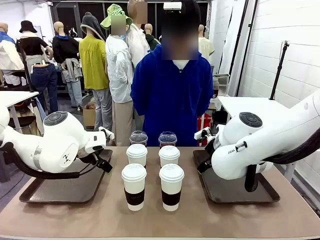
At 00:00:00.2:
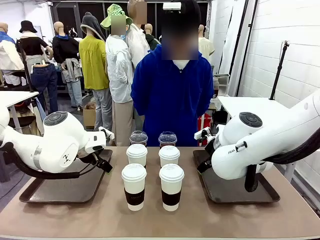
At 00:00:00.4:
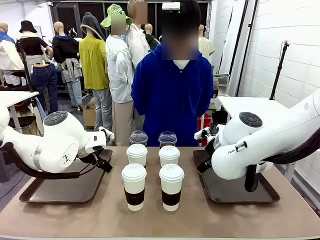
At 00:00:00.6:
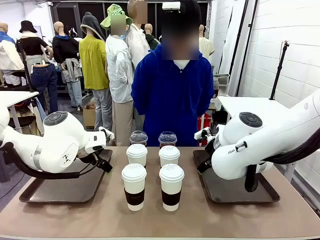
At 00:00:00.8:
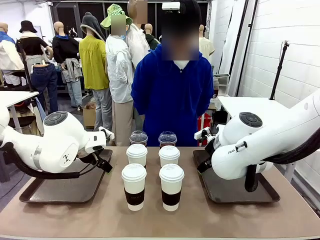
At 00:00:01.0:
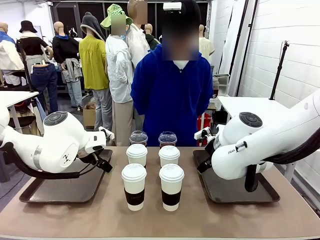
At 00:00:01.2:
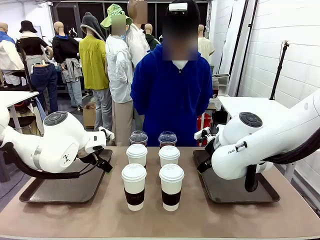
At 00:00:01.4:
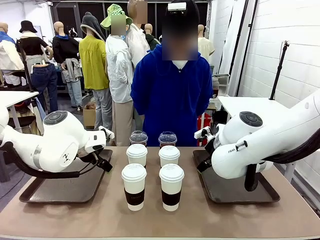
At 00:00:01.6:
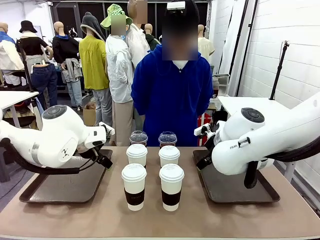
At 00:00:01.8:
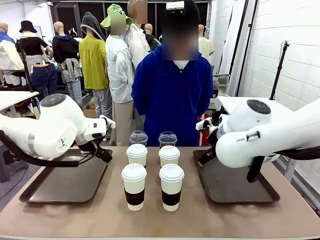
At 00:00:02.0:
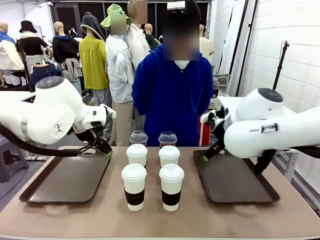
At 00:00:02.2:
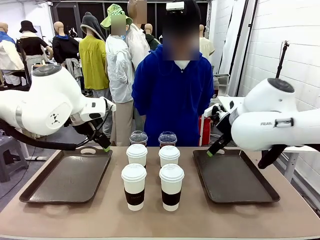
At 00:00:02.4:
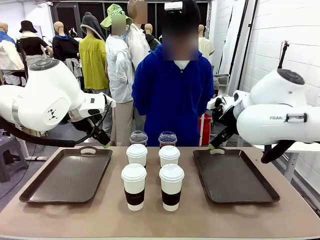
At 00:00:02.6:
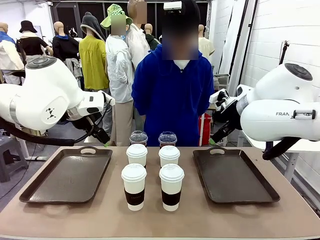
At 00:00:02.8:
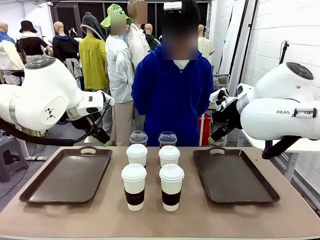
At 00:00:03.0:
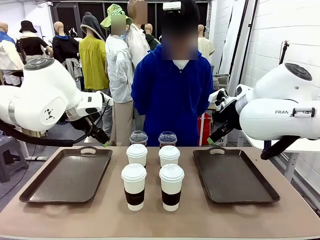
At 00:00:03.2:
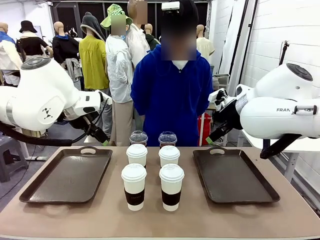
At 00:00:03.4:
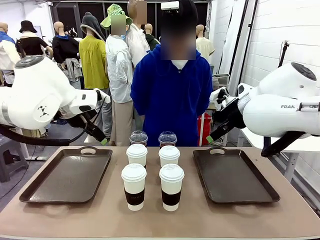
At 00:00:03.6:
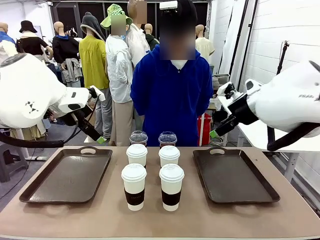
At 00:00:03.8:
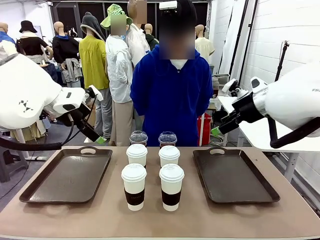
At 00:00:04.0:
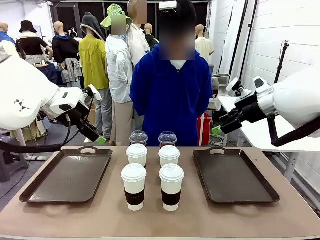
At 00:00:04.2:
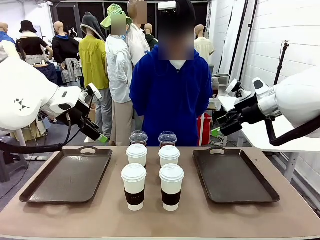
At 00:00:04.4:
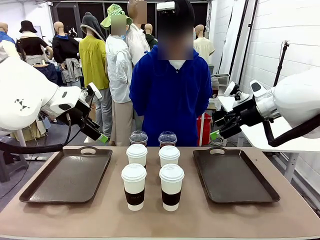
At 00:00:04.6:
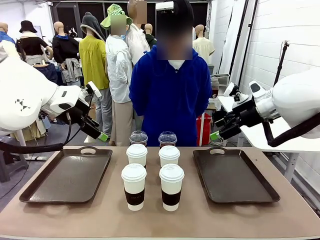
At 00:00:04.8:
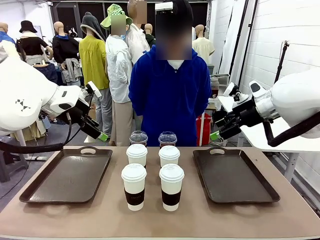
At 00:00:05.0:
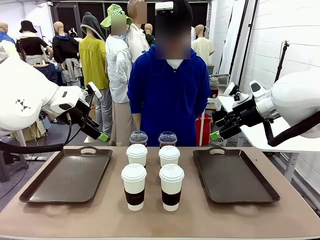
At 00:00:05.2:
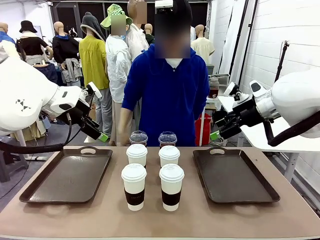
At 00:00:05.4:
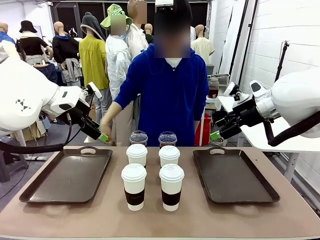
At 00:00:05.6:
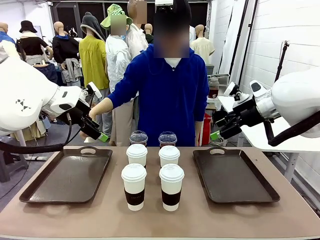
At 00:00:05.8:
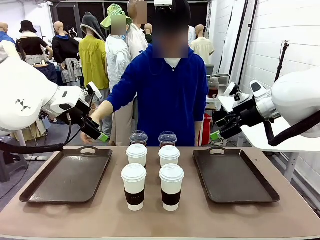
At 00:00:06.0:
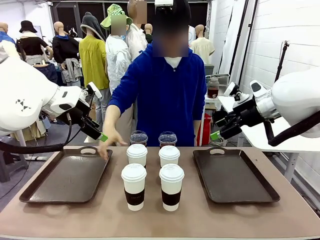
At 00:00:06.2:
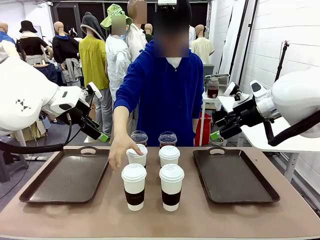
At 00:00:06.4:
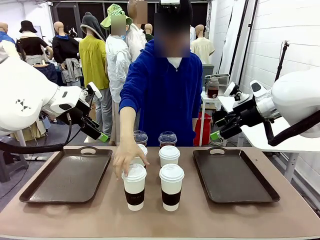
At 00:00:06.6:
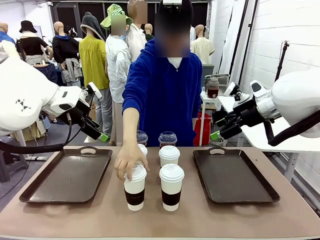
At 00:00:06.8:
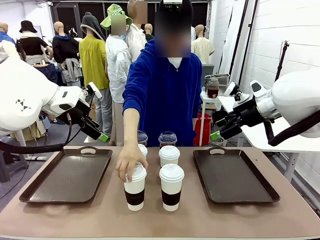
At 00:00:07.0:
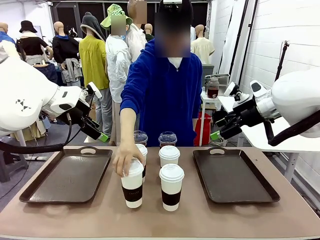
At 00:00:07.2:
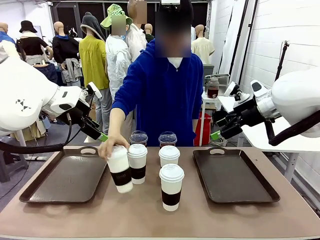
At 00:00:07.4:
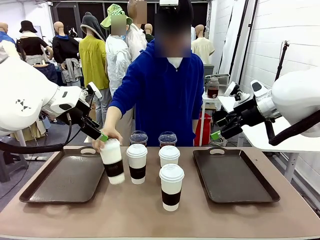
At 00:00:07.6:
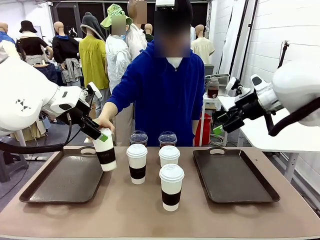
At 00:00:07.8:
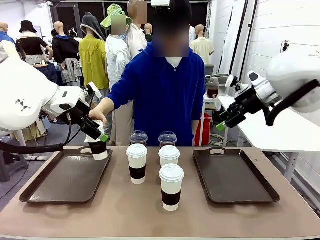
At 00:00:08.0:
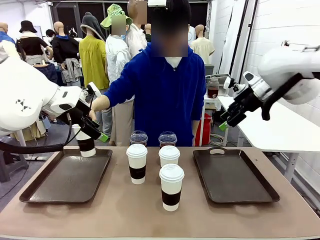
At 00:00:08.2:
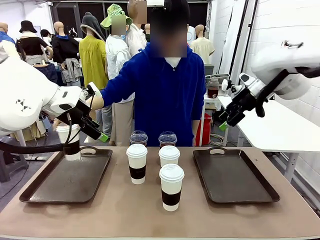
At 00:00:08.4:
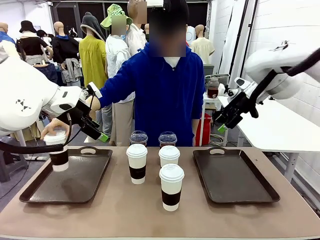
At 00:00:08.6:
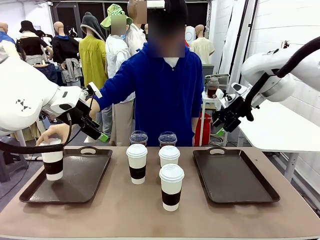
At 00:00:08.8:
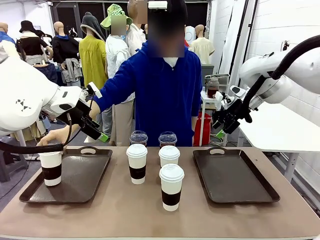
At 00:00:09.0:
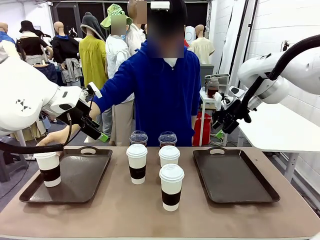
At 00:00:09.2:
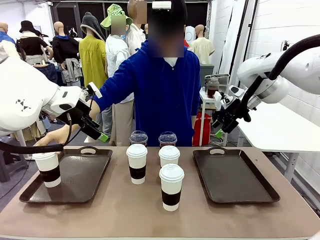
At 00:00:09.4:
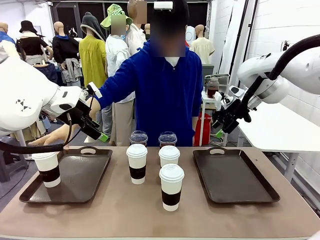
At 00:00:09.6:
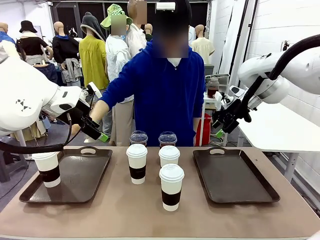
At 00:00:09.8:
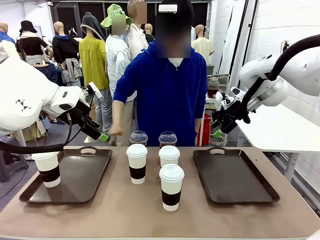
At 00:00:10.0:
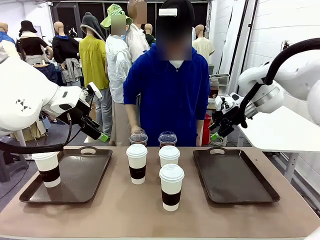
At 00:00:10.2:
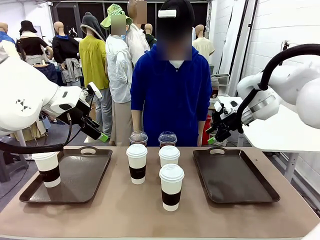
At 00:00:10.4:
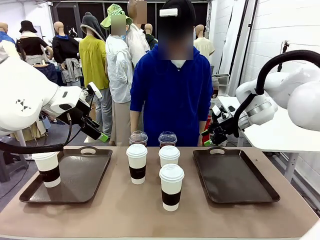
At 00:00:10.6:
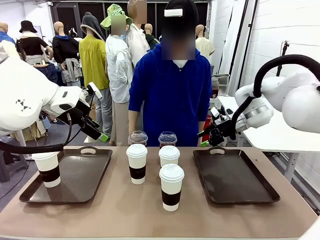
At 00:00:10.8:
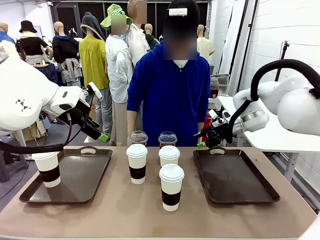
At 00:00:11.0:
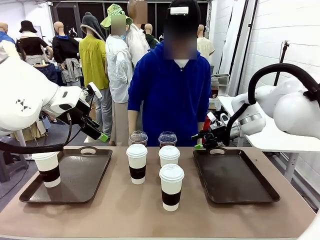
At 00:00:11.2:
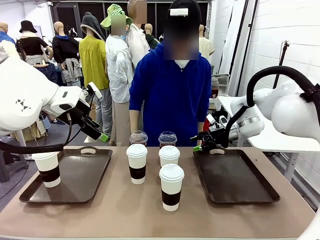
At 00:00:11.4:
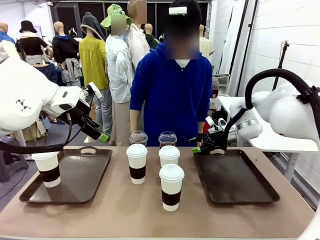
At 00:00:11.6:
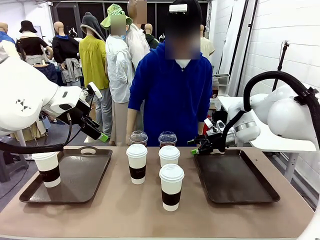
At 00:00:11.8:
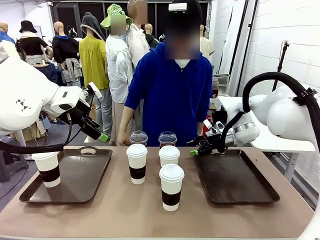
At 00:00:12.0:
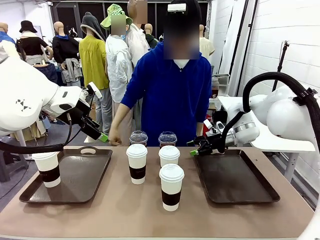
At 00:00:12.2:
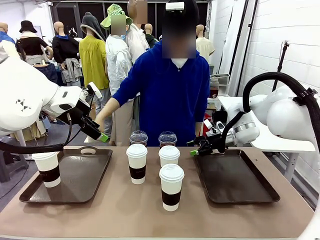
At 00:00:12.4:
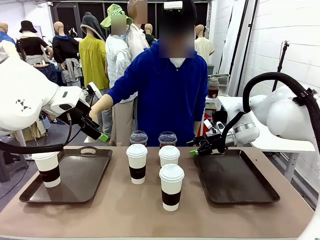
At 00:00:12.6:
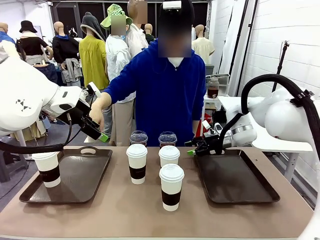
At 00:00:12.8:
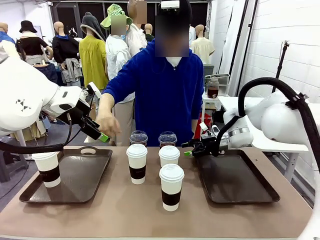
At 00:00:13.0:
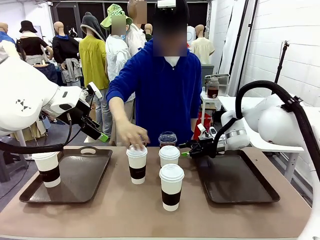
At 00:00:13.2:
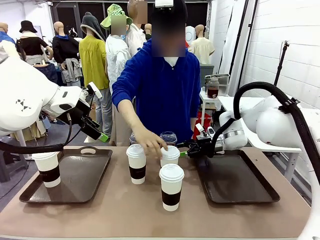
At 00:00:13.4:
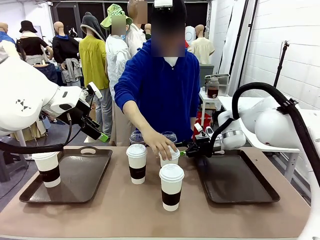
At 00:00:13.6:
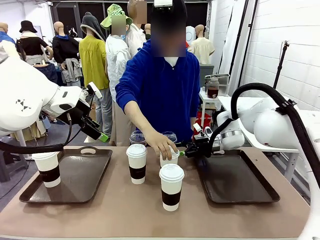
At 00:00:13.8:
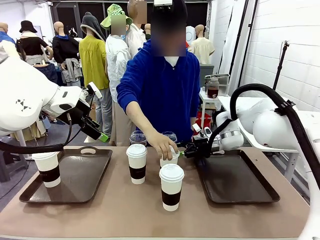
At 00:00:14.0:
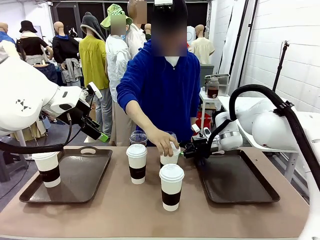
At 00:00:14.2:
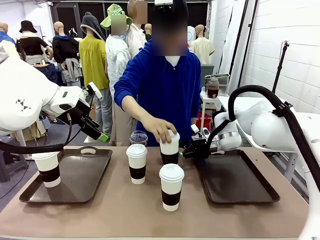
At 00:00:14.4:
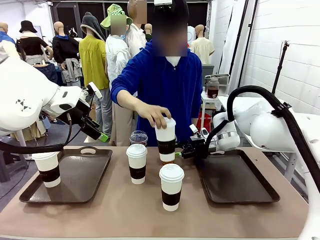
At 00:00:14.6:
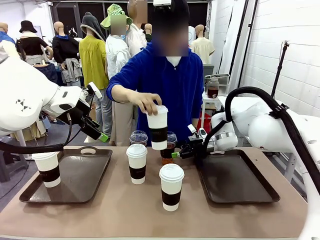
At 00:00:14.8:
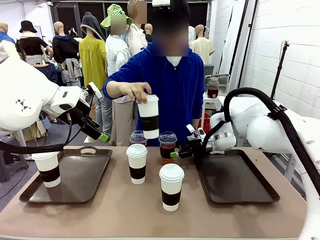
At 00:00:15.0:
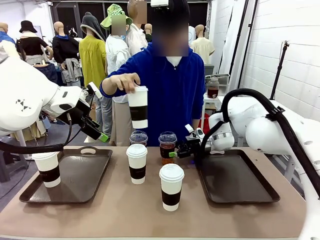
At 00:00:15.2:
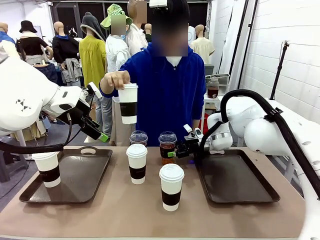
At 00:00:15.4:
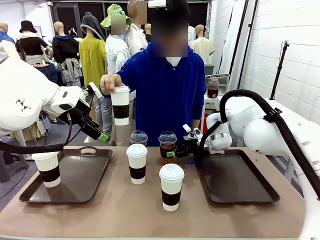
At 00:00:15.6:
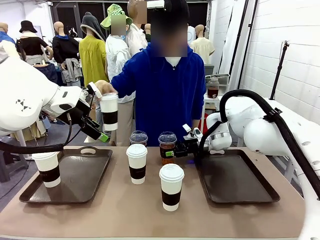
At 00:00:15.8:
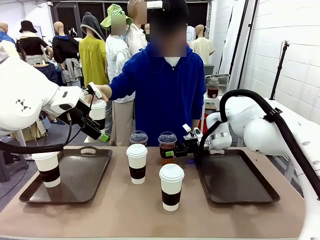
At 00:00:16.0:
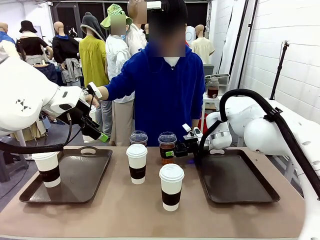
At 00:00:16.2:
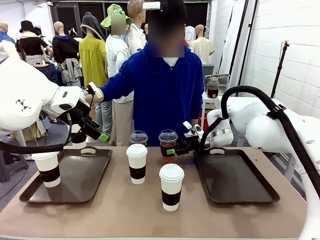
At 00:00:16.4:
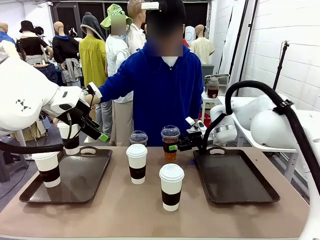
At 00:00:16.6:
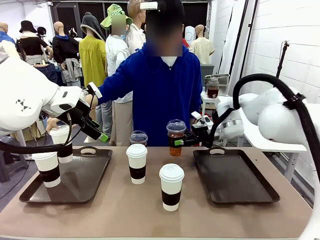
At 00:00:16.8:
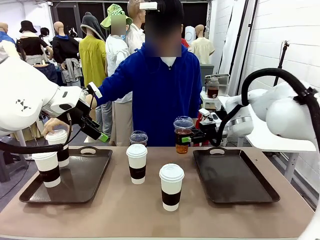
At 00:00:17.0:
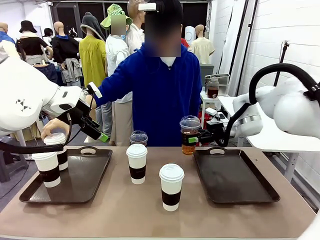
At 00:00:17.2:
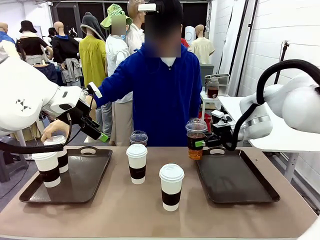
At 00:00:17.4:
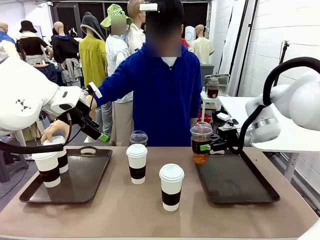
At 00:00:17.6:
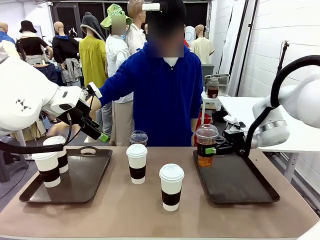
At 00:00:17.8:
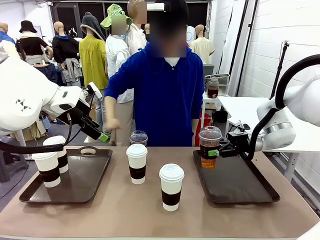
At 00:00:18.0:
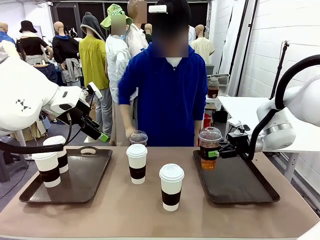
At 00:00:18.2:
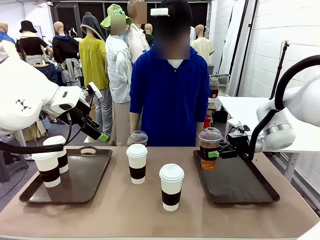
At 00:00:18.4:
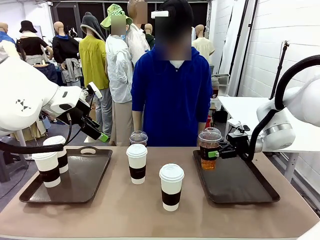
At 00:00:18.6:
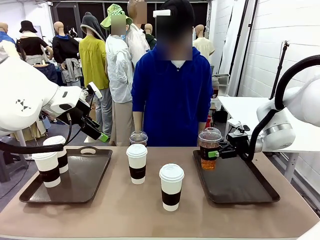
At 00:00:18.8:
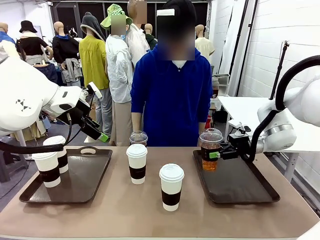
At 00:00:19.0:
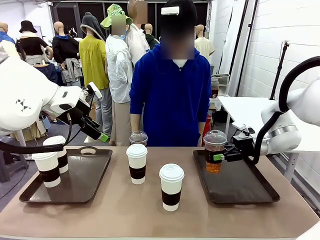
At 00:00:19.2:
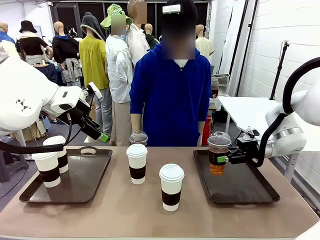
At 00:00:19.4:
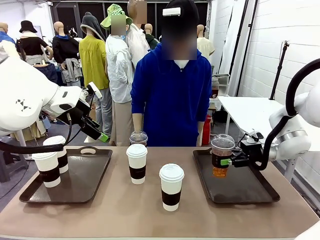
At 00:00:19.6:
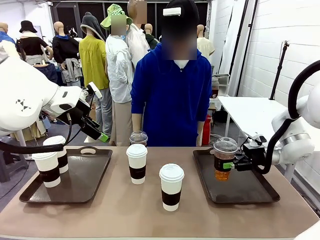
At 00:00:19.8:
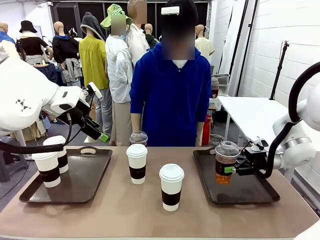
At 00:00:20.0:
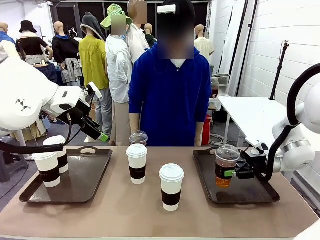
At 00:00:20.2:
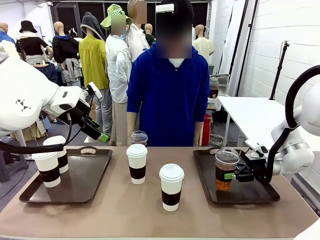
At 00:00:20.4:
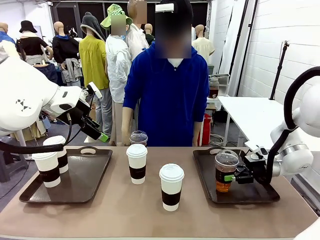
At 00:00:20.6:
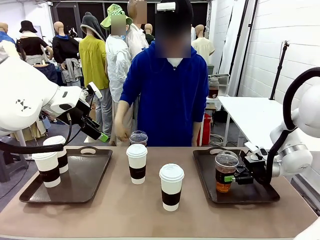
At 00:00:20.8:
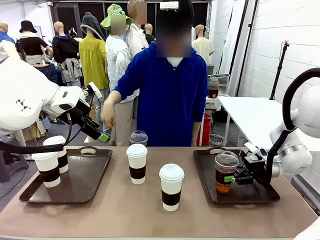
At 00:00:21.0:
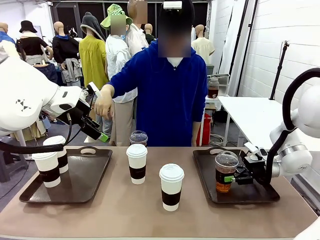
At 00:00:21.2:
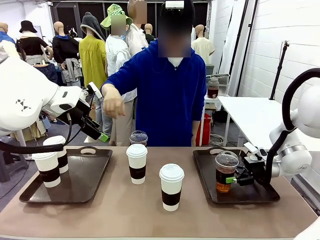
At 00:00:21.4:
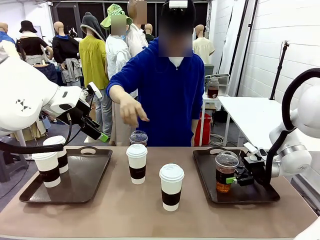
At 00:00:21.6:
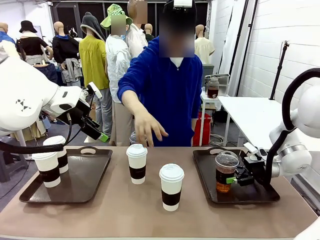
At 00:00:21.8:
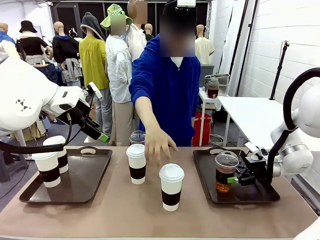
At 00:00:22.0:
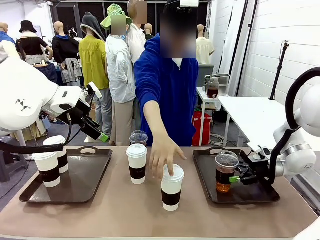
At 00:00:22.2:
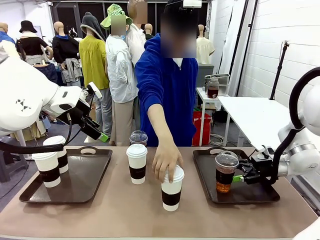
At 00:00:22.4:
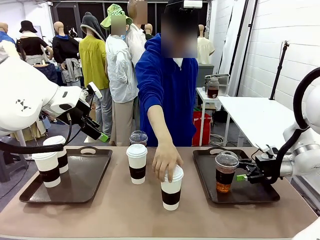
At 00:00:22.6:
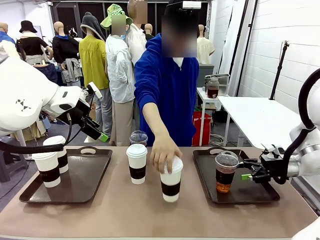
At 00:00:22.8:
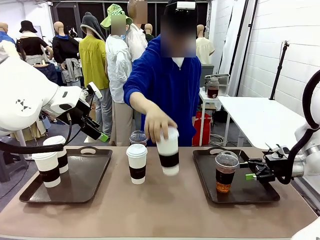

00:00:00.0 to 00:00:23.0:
Task: Distribute the coffee onto the tray.
Robot: Pick up one iced Americano and place it on the right Handle tray.
Person: Pick up a cup of hot Americano and place it on the right tray.
